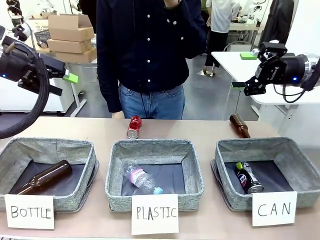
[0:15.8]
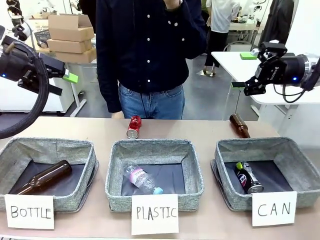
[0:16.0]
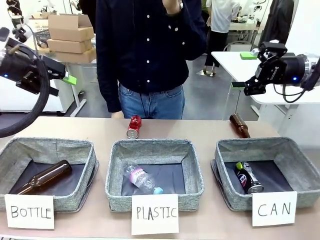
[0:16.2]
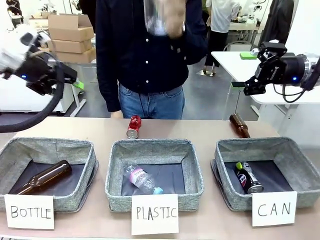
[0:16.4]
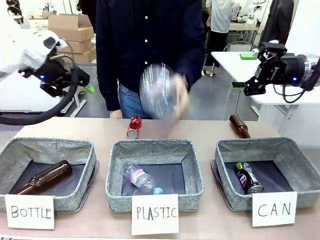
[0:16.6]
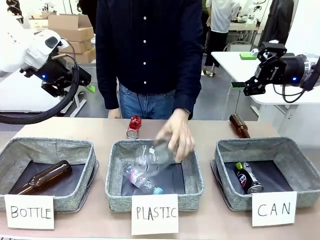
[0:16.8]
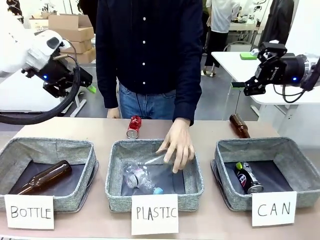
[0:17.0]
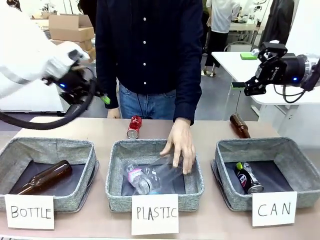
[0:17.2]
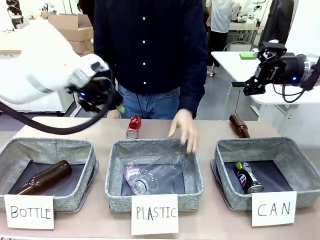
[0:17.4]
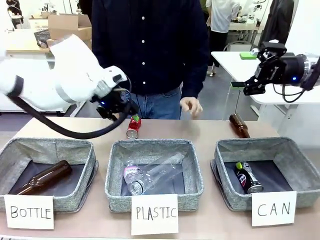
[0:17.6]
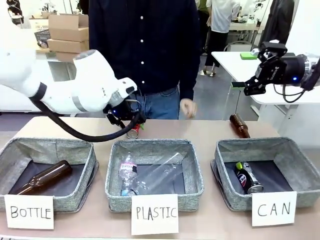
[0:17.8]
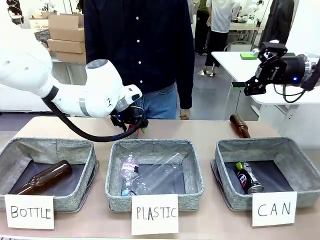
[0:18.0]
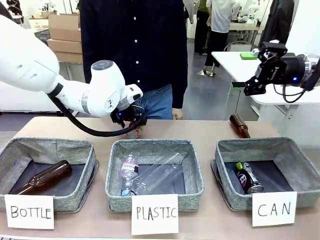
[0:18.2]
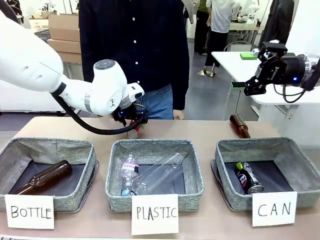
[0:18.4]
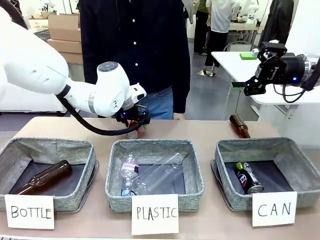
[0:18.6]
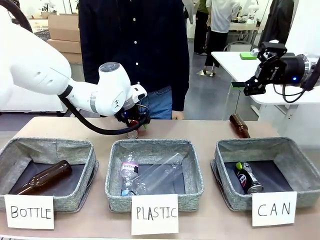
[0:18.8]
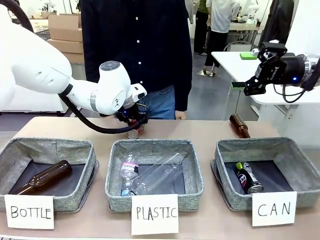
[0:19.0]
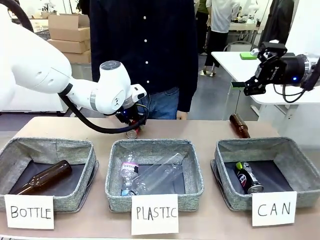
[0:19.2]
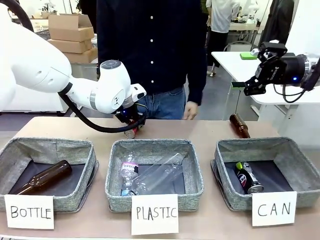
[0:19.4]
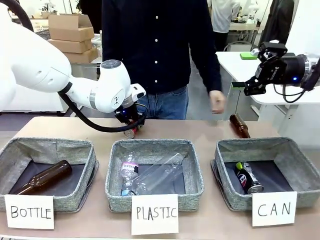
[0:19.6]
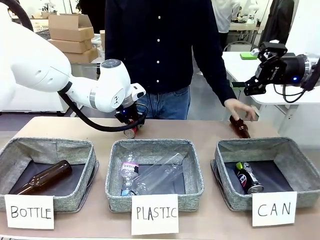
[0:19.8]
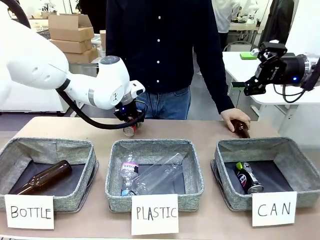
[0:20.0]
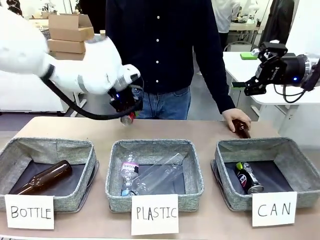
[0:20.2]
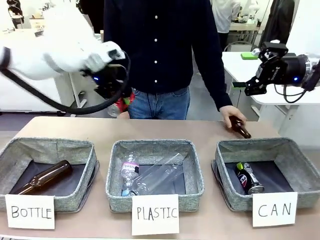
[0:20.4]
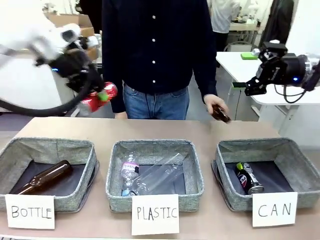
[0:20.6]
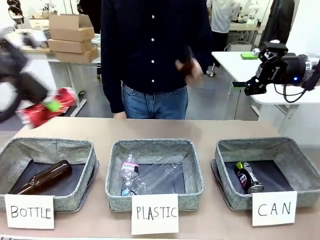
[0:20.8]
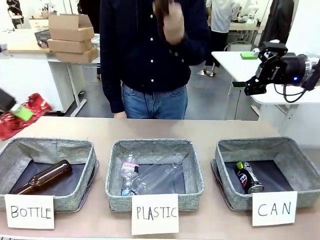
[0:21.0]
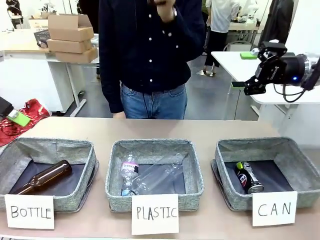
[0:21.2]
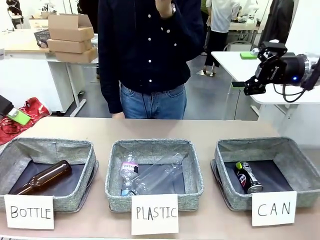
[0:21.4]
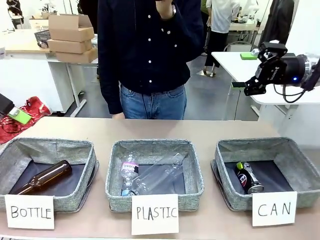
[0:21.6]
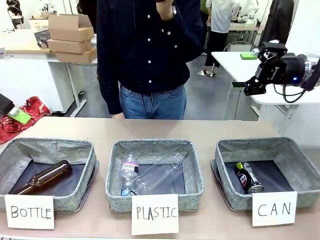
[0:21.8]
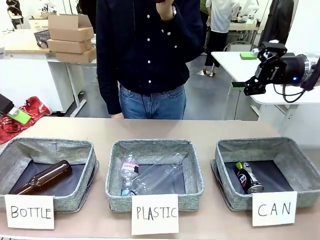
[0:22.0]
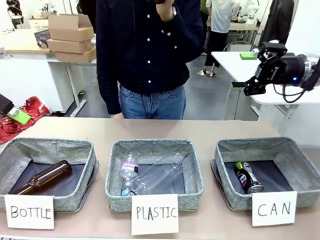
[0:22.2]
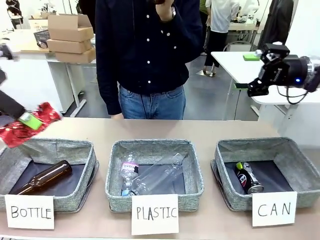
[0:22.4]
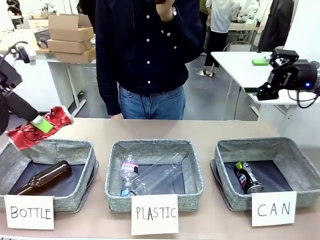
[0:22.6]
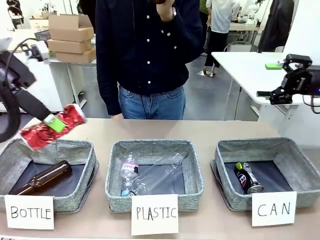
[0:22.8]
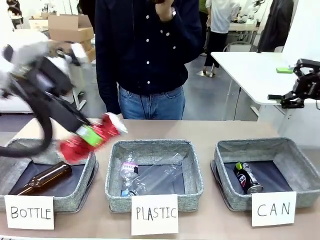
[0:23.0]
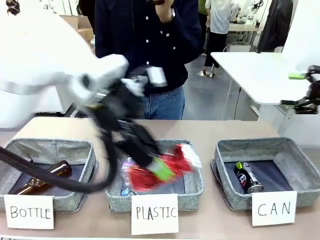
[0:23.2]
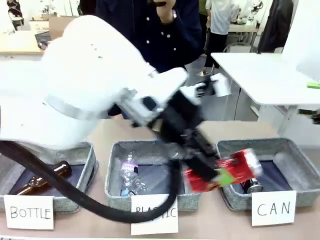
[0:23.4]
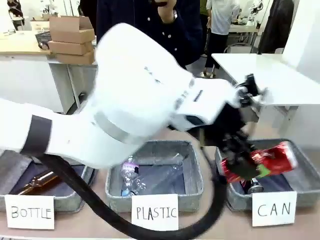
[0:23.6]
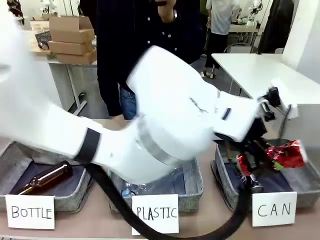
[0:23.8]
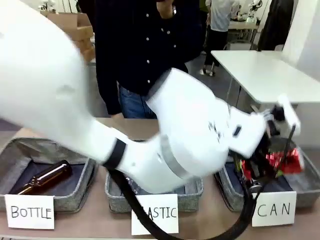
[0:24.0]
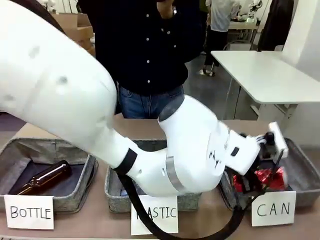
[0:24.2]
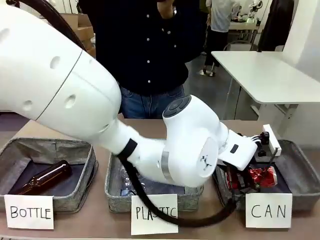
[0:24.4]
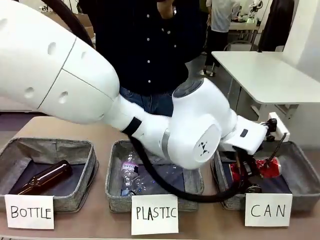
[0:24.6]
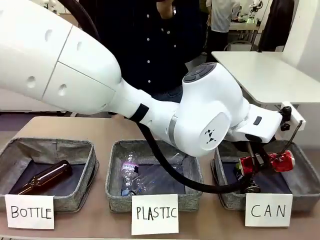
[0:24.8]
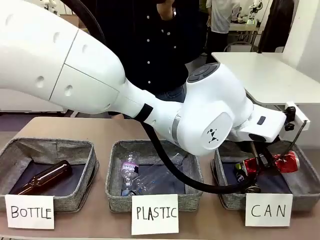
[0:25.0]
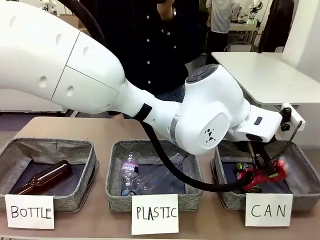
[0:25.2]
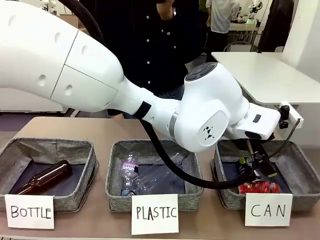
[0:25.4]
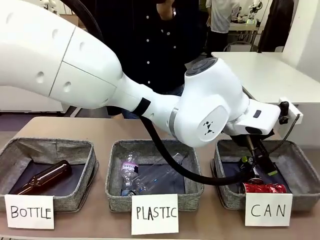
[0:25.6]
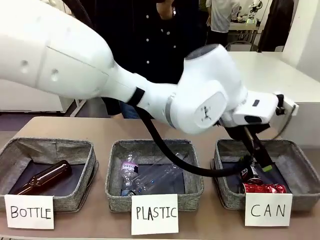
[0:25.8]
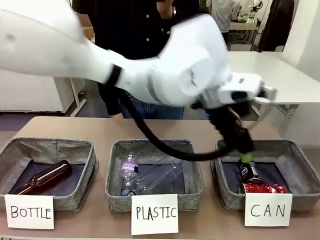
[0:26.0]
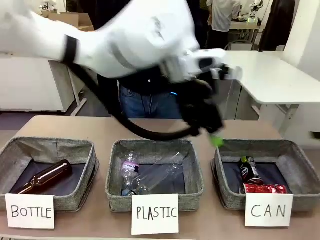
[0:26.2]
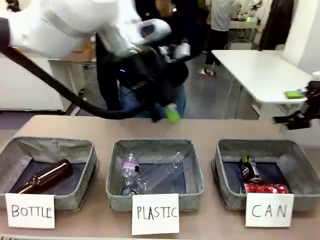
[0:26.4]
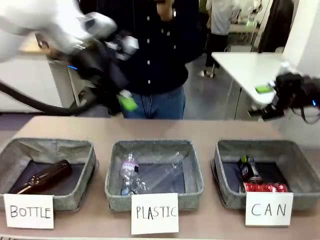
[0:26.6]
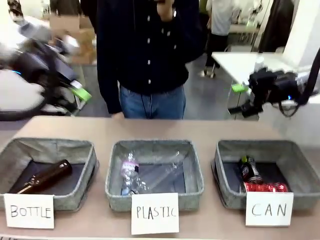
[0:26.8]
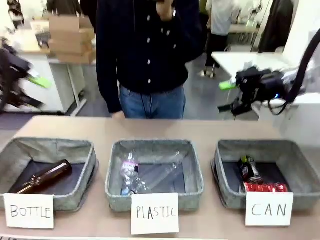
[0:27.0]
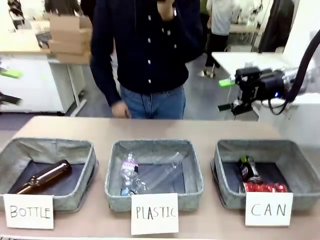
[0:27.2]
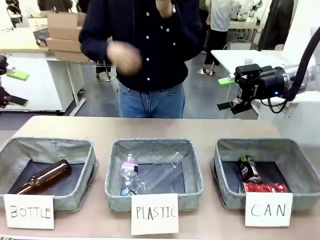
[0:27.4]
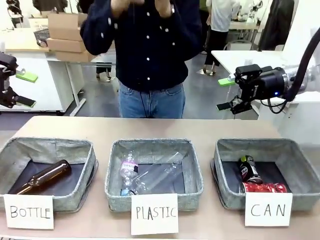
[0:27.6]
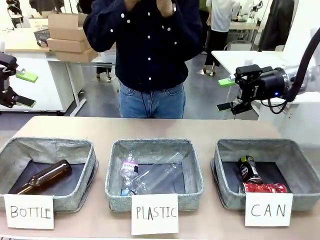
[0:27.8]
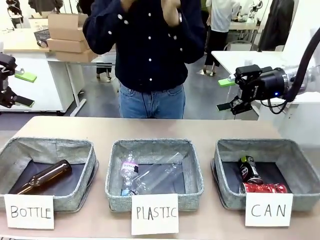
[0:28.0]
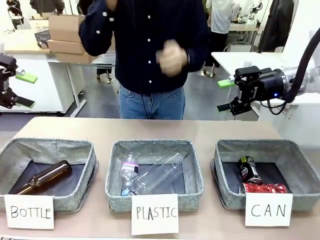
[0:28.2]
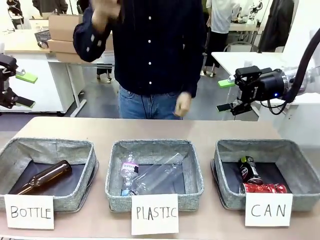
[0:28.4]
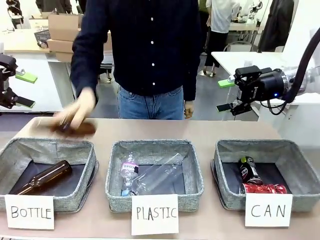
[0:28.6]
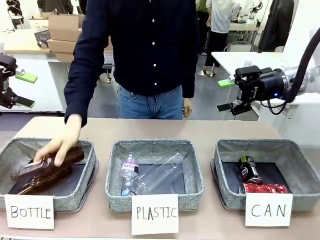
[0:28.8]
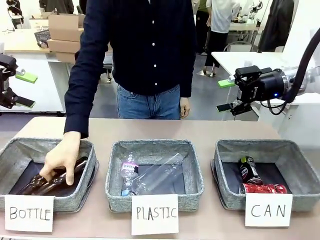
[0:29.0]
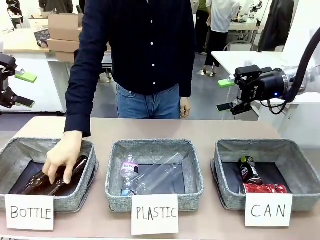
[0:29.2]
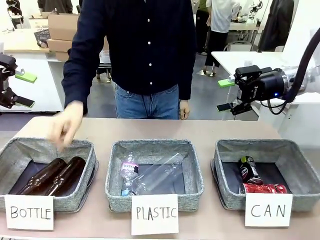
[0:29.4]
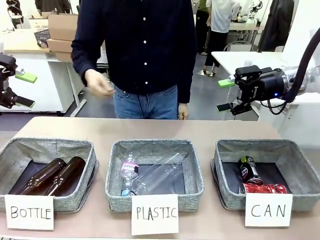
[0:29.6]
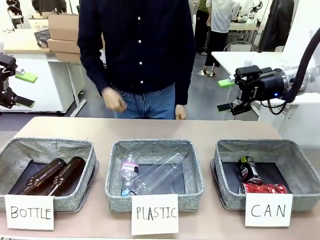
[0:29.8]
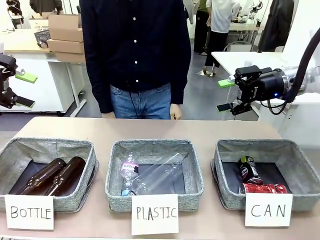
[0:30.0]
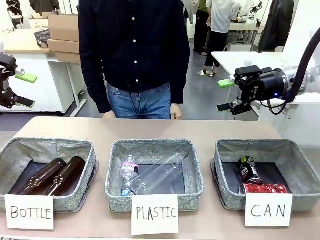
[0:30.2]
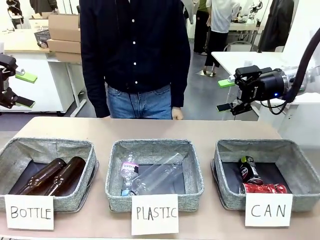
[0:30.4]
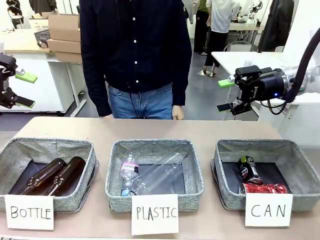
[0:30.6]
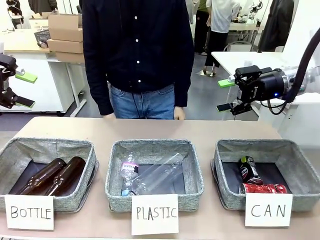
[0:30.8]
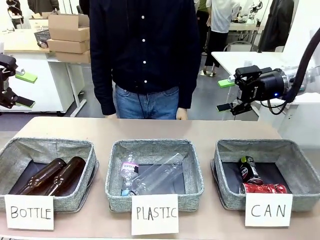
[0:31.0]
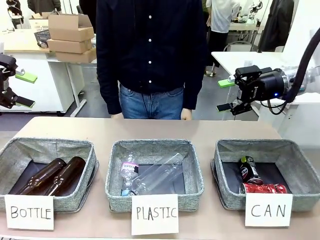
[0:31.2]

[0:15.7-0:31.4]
Task: Sort the can waste into the basket.
Robot: Pick up the can waste from the table and place it in the right Fabric basket.
